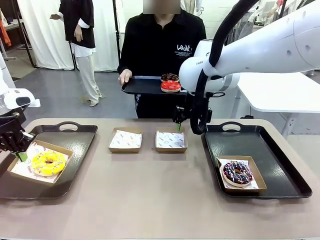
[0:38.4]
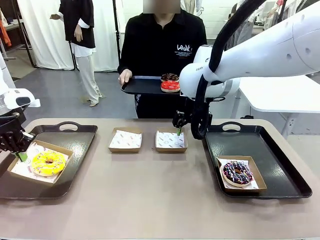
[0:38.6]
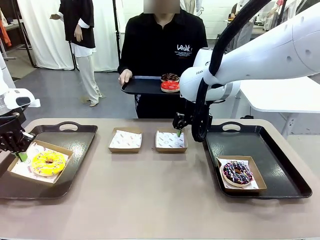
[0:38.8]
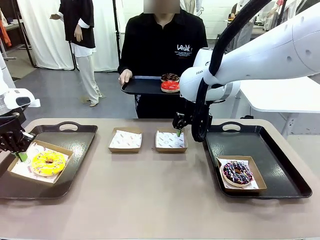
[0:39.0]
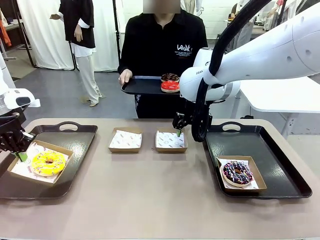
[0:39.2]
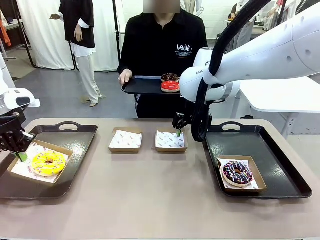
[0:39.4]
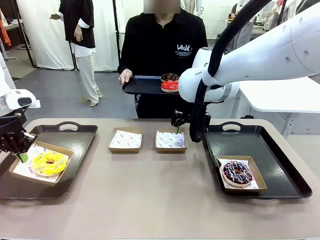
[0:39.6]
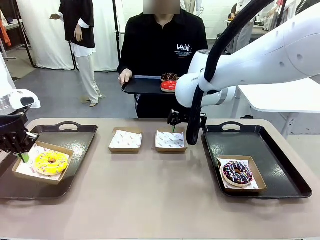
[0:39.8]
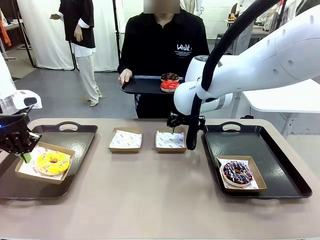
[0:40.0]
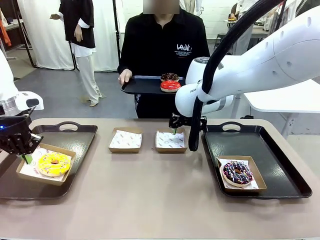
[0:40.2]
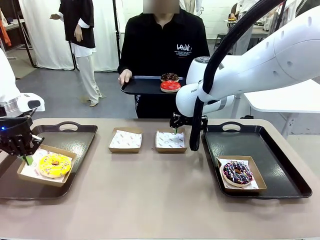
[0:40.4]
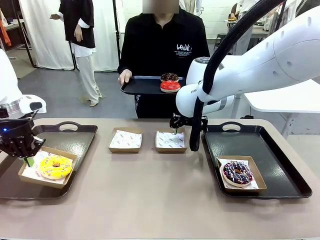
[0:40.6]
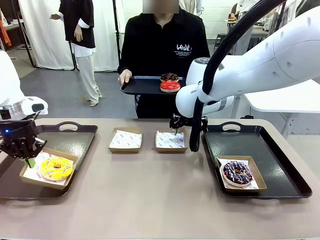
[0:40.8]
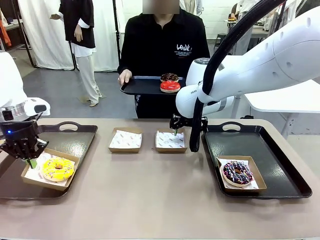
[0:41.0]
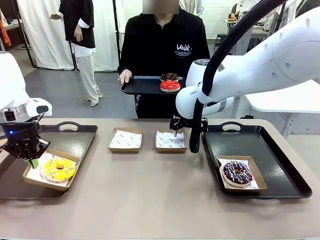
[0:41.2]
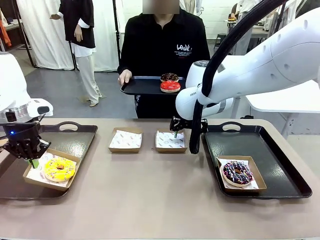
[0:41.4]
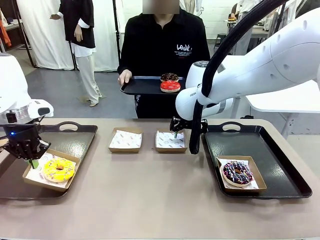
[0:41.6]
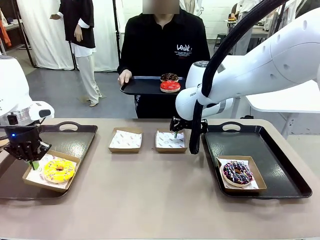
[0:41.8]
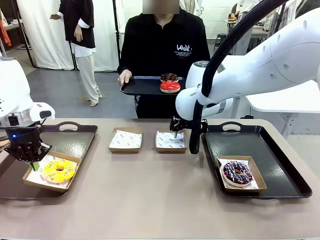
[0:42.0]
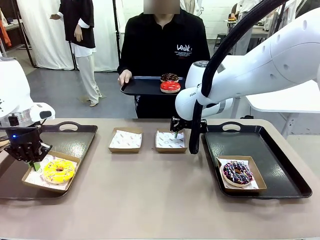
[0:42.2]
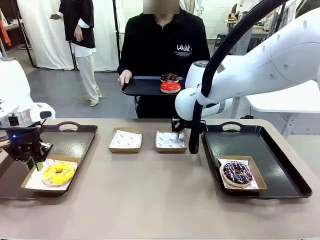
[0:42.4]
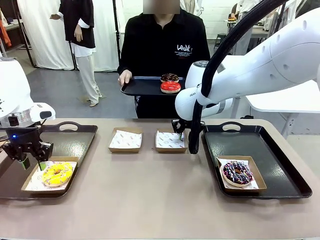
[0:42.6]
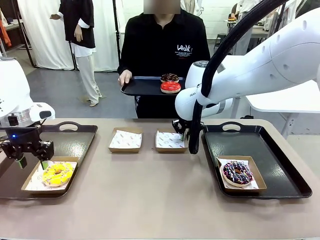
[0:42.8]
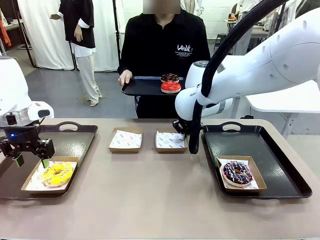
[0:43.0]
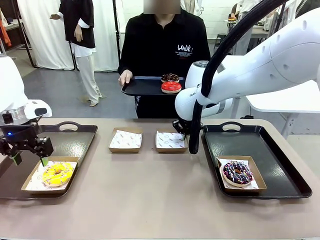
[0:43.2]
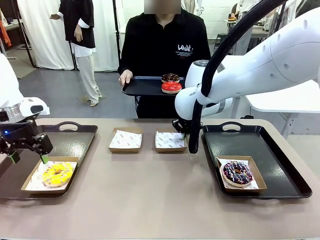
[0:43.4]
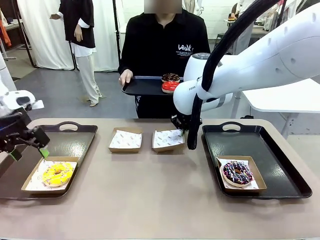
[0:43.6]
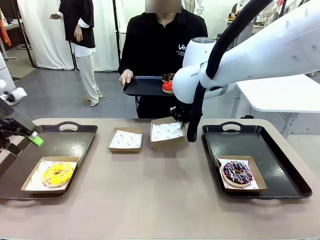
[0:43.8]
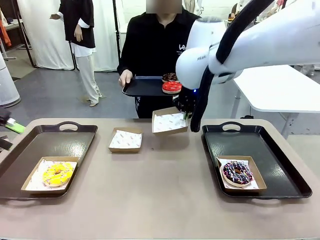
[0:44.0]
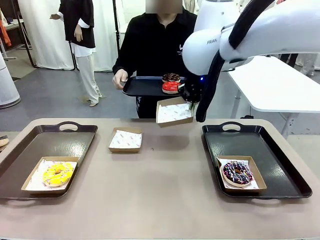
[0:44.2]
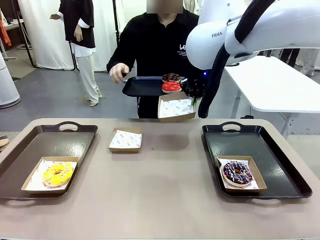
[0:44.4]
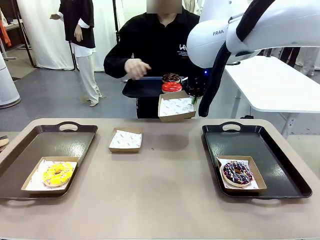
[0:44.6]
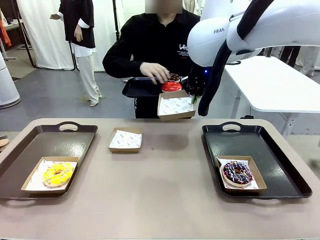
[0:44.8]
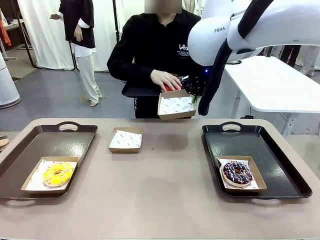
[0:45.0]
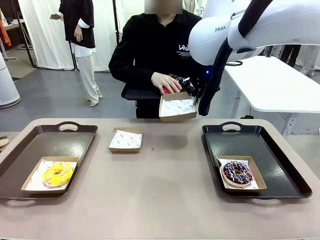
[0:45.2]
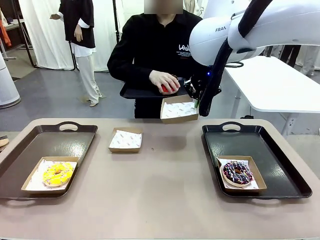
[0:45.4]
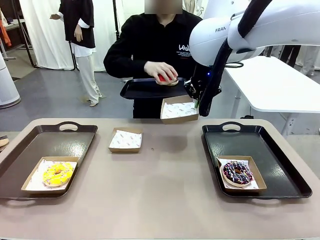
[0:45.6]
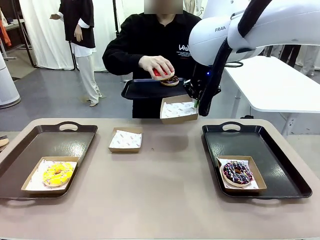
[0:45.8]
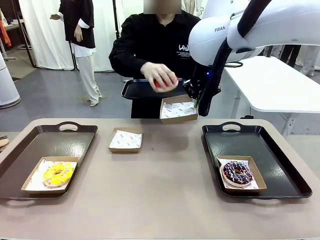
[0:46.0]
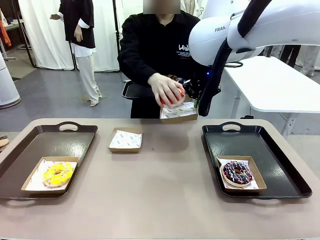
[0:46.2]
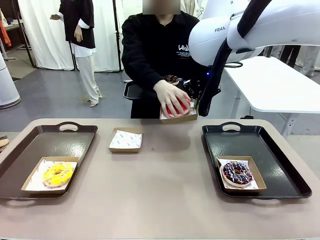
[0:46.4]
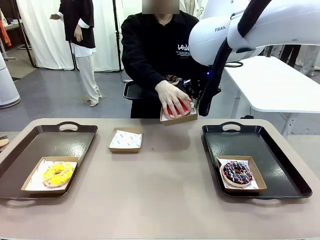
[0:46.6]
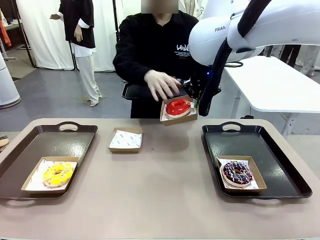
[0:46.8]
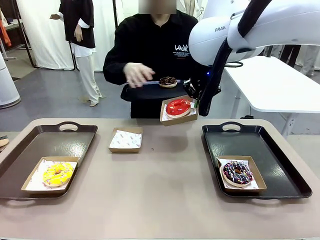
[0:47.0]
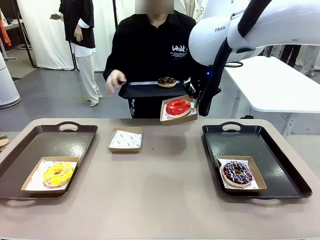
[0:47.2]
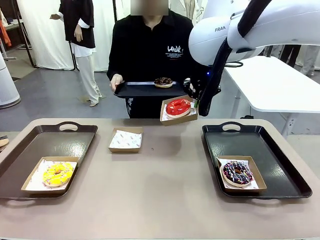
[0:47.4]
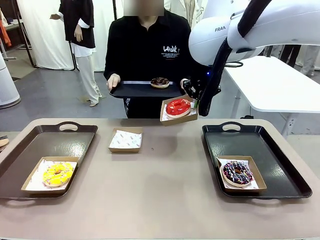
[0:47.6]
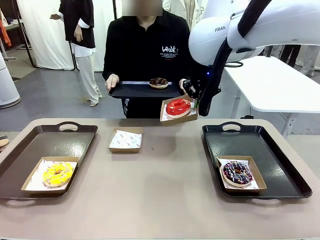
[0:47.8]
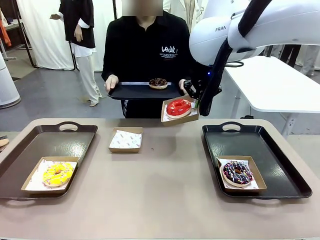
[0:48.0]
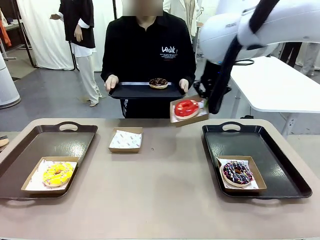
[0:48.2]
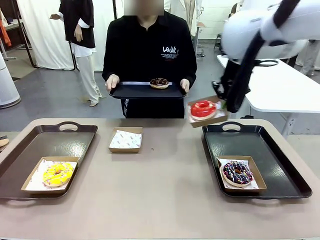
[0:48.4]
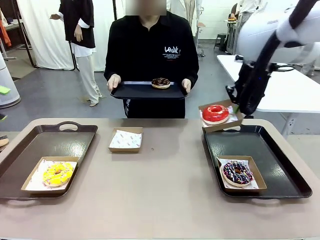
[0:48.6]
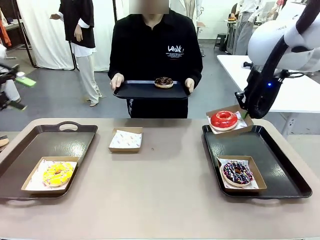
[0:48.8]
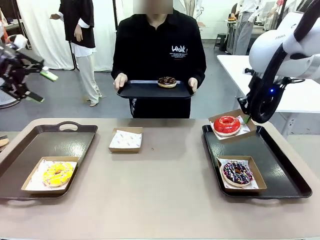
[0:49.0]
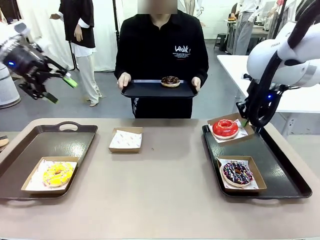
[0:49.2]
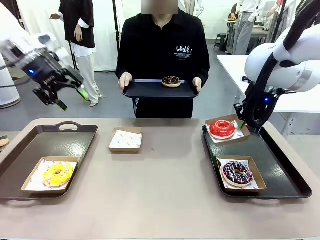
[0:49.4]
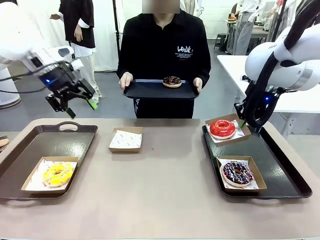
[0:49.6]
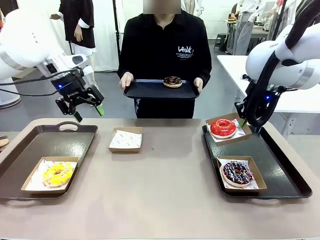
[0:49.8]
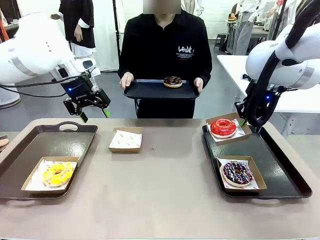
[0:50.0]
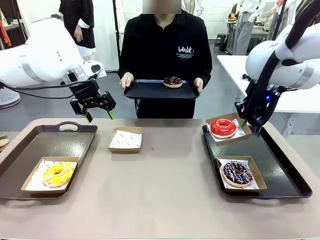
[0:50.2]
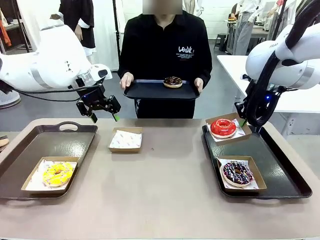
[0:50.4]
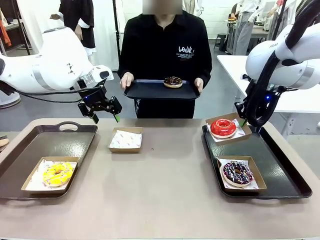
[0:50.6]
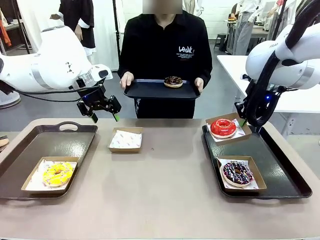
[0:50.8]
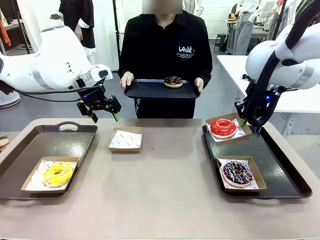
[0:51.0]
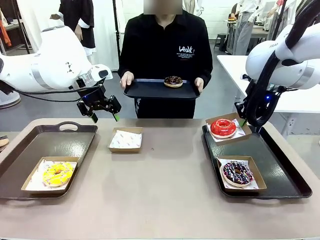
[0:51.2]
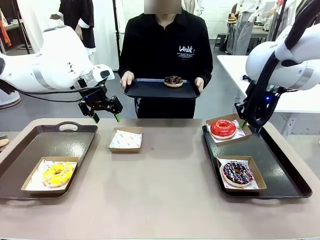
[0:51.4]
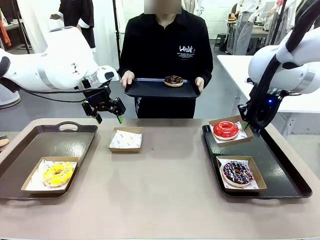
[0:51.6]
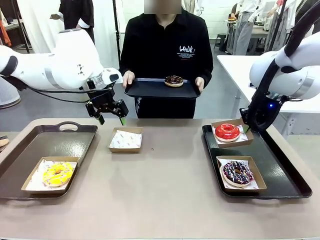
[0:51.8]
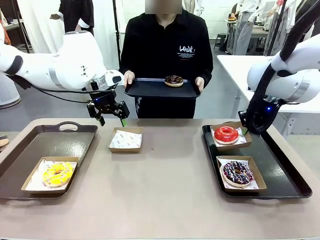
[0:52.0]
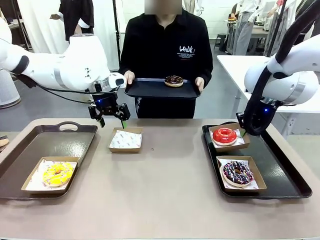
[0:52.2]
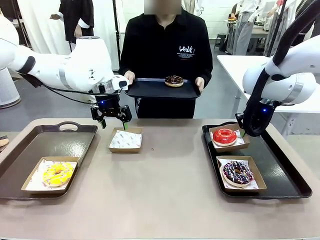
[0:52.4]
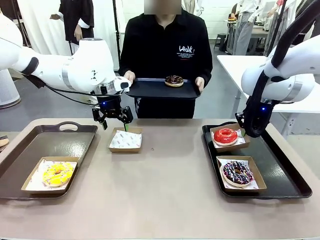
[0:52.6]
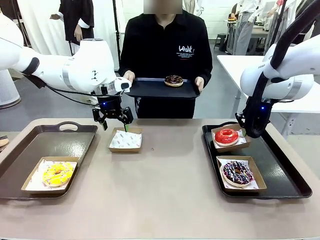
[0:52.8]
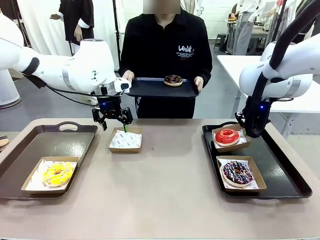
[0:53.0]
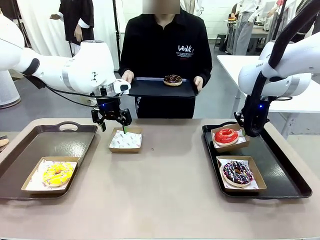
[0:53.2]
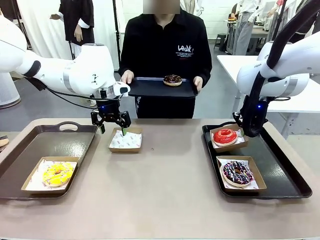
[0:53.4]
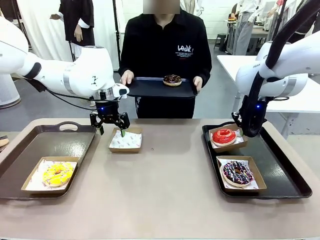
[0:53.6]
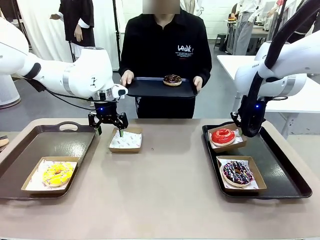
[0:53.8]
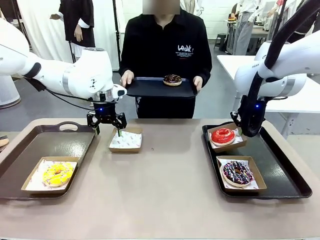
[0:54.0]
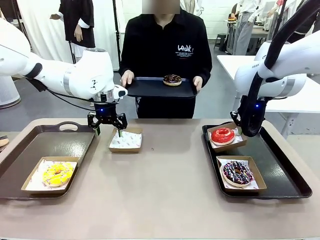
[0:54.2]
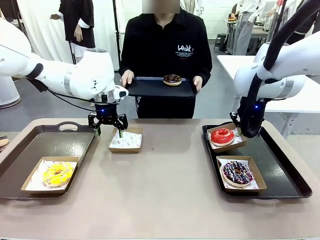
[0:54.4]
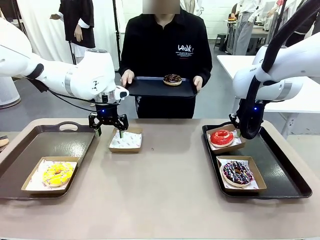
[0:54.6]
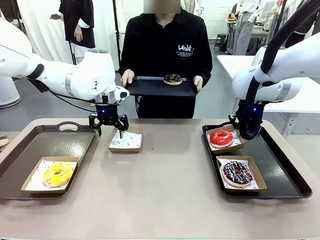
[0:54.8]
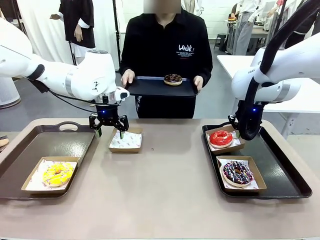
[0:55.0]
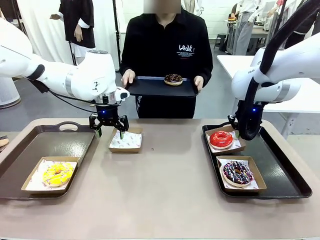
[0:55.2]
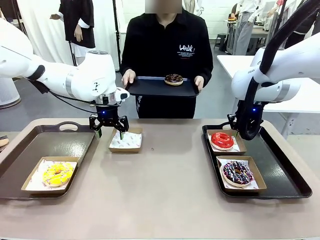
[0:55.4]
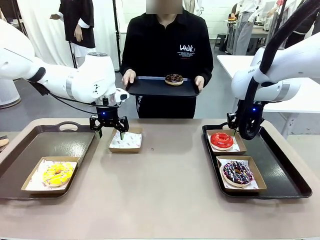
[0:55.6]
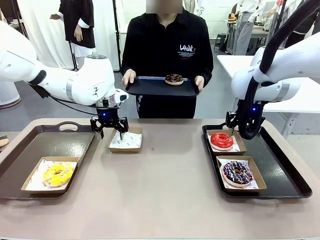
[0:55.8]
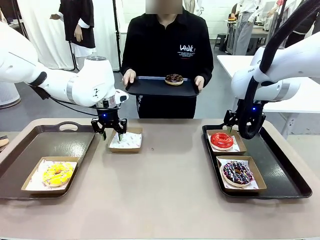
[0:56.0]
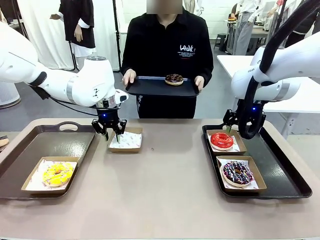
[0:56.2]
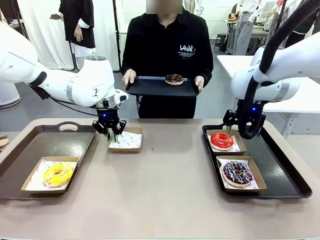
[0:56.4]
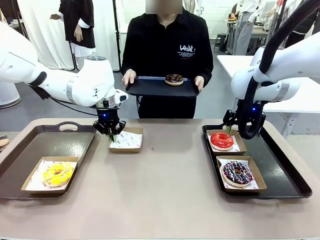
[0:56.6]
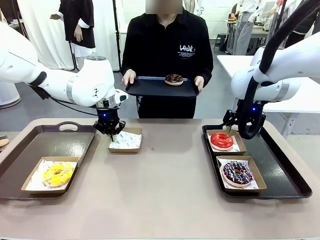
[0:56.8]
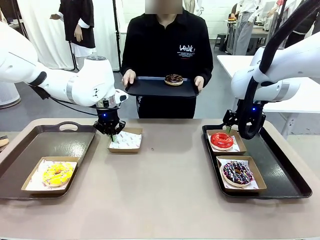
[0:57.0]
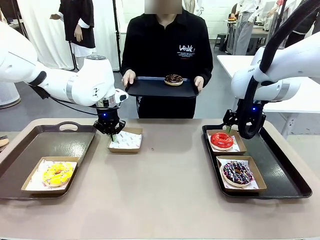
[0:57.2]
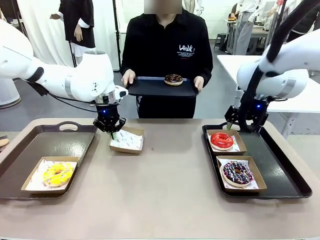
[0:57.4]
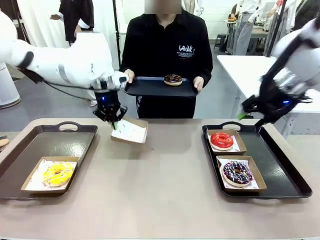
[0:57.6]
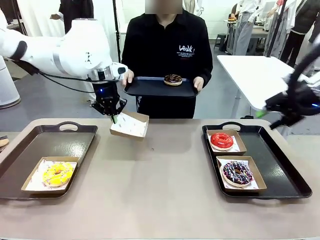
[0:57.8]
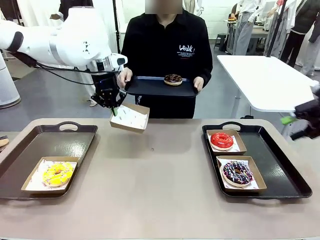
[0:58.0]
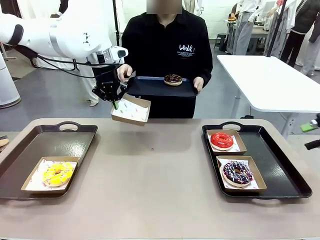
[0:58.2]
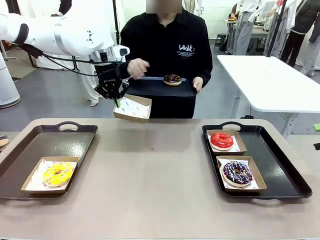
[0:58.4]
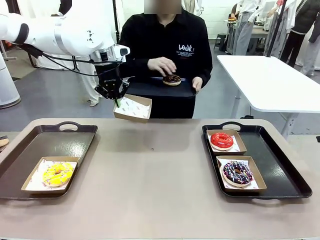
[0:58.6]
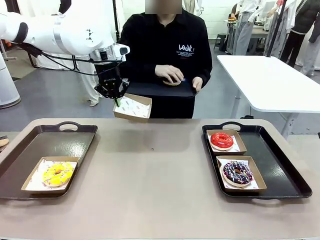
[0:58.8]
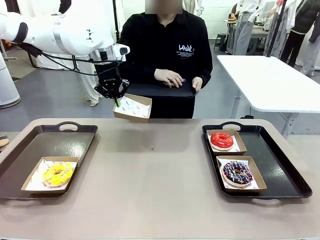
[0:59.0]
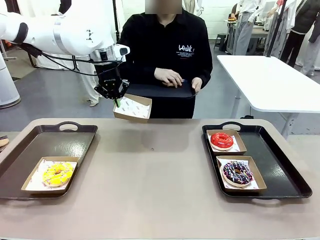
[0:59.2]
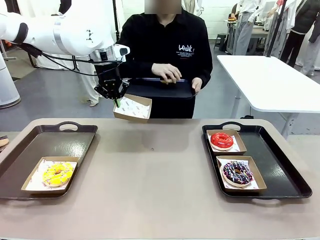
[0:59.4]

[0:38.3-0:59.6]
Task: Individually package the donuts and arrange them on the tray.
Robot: Place the picked Paper togo box on the Handle tray while simultaneously picking up another Paper togo box from the table with the other hand.
